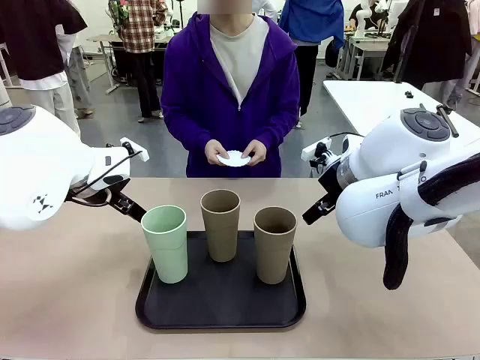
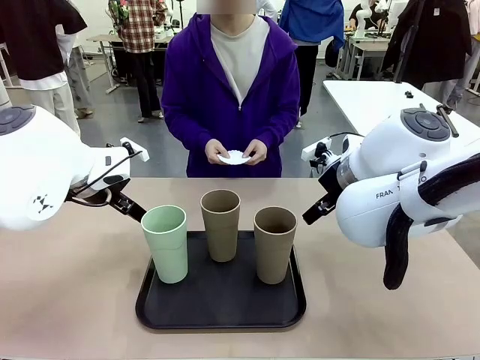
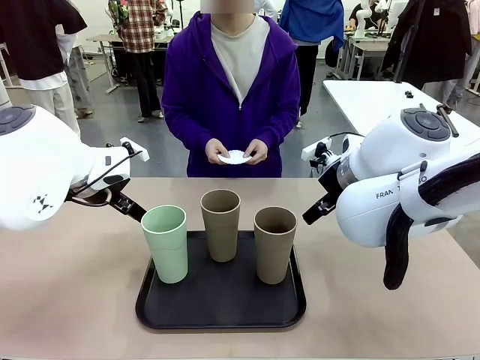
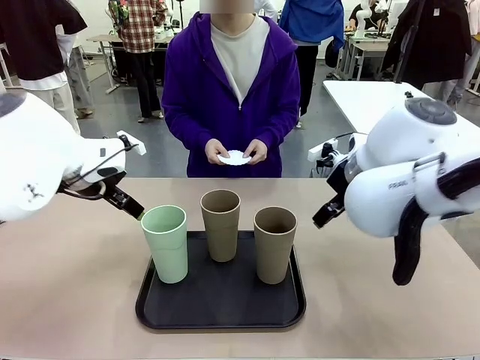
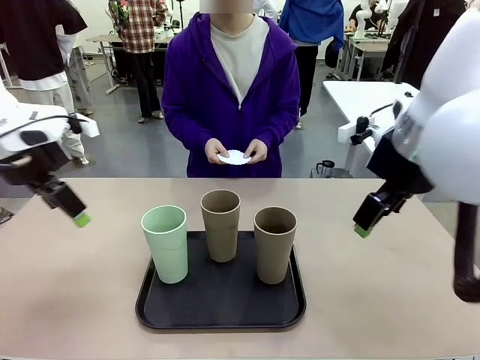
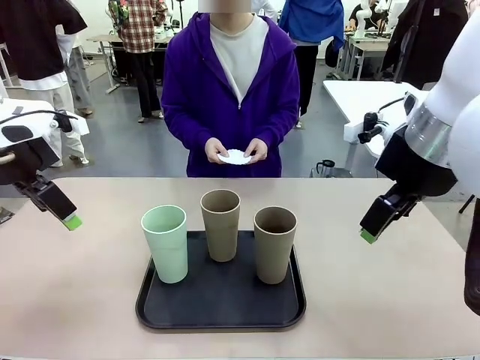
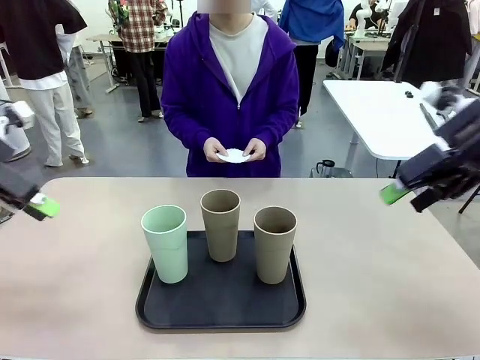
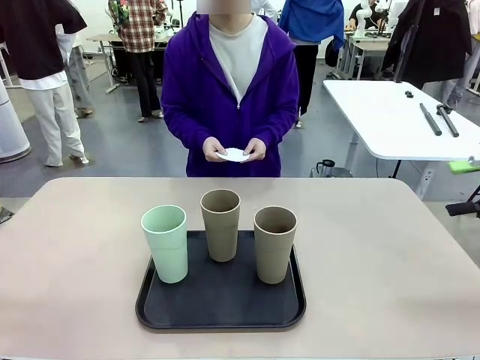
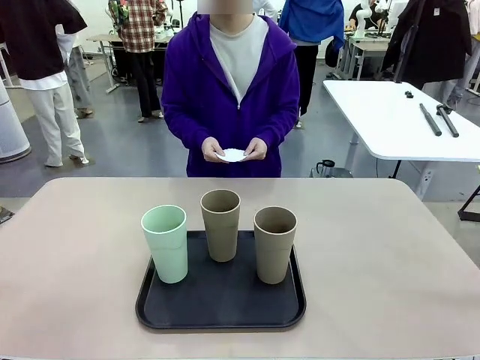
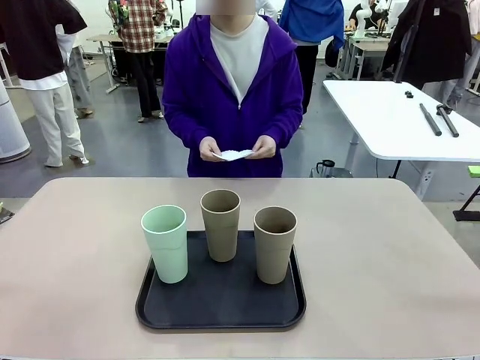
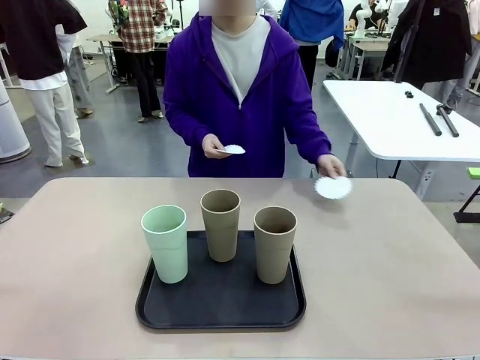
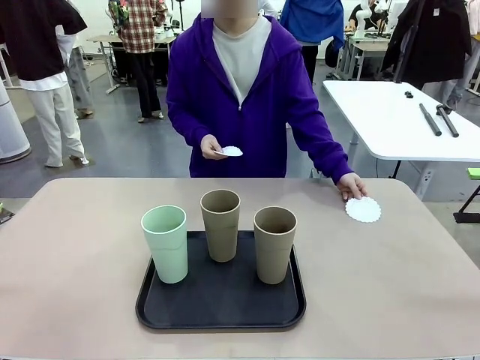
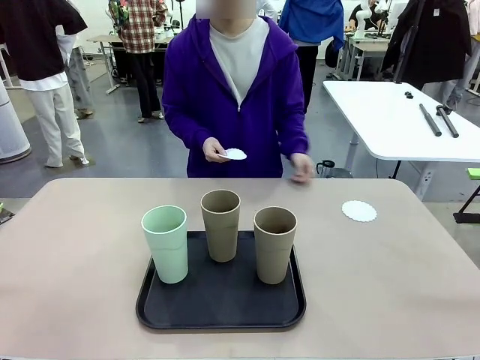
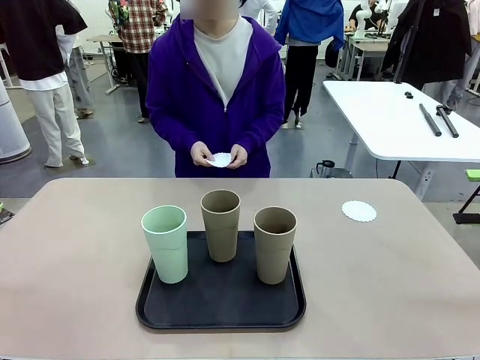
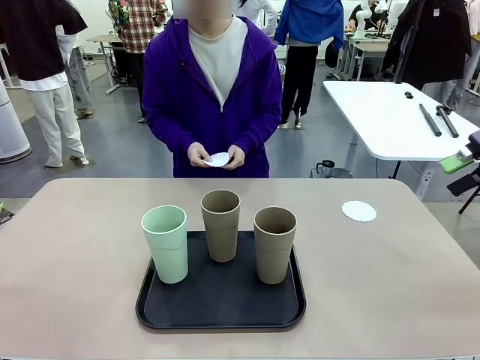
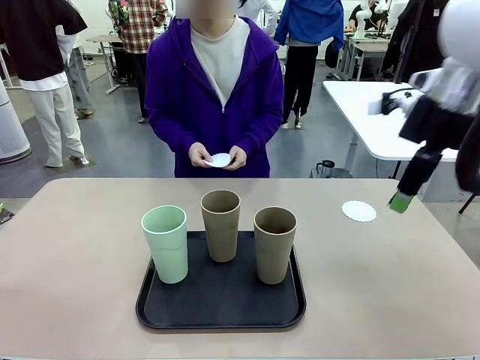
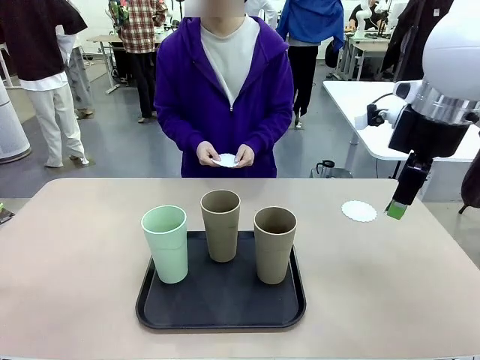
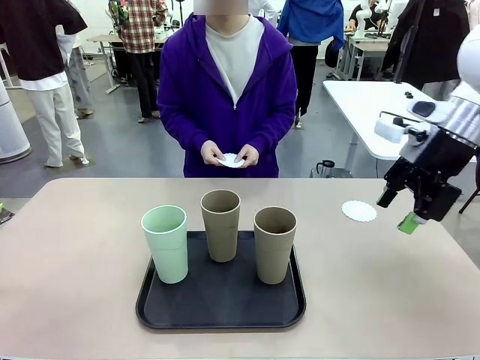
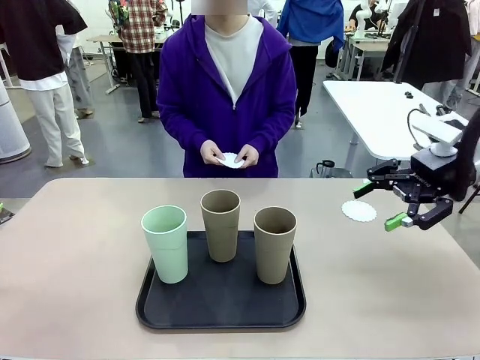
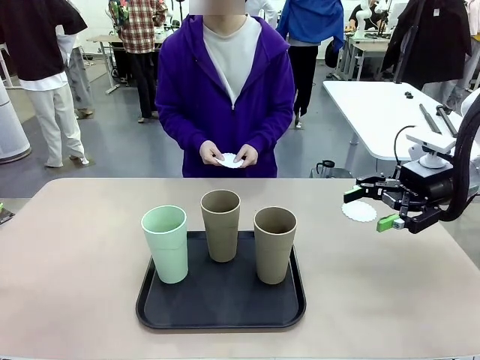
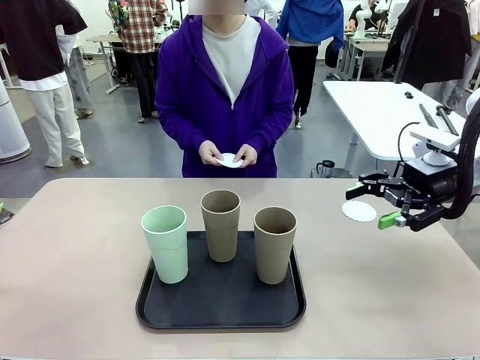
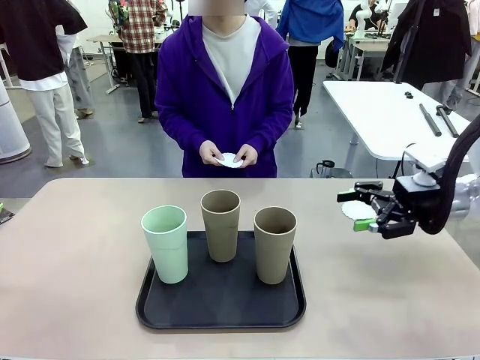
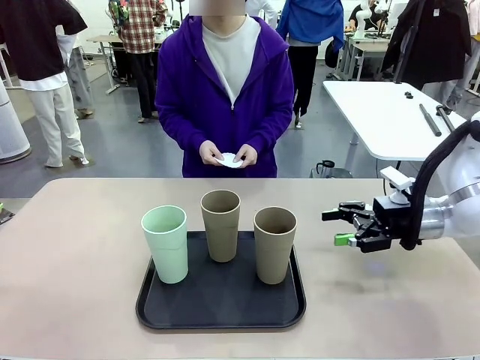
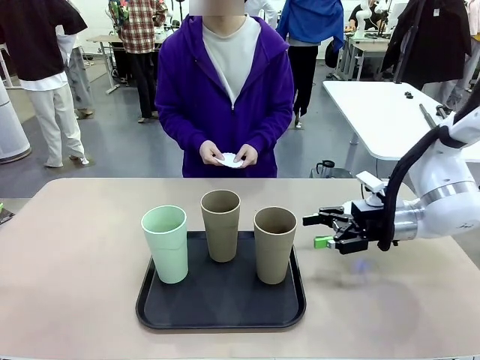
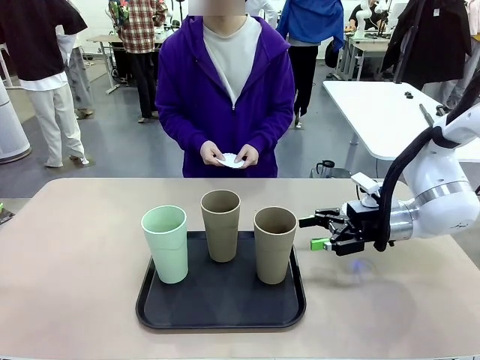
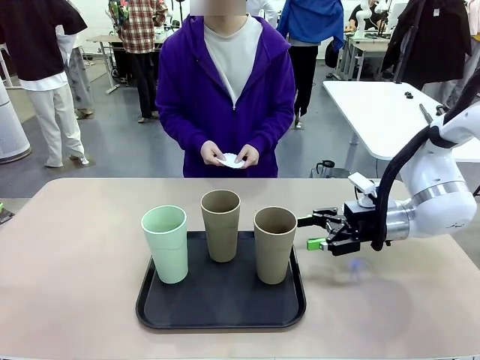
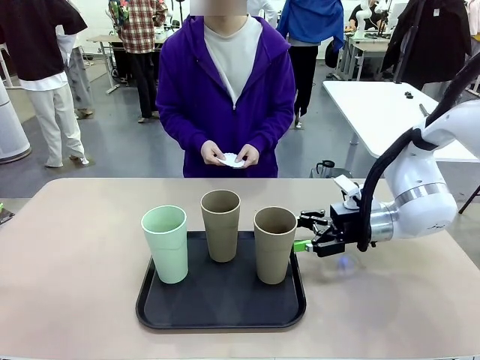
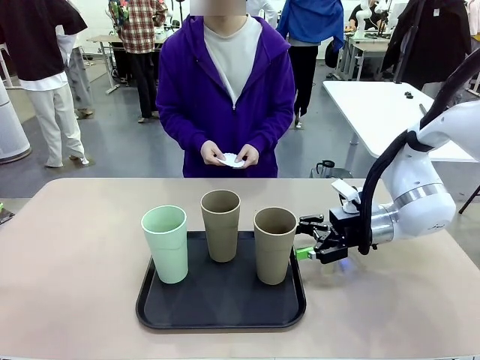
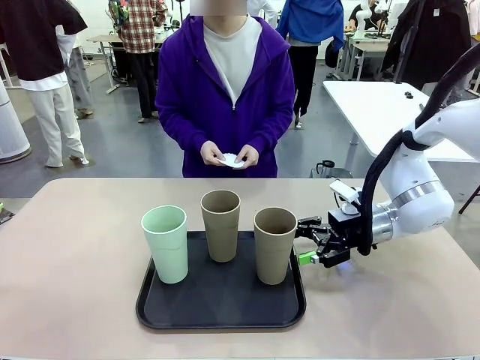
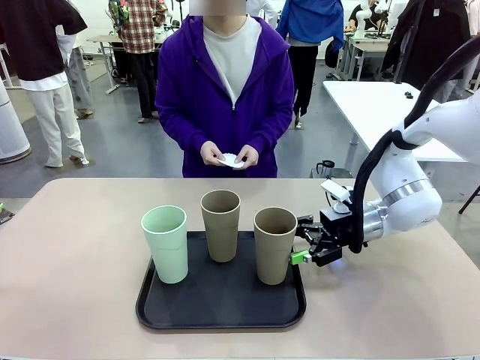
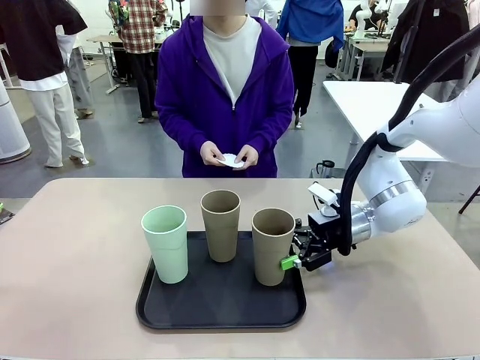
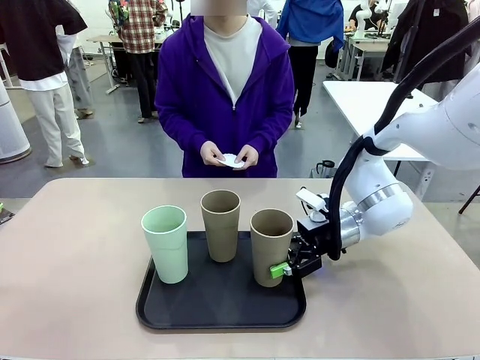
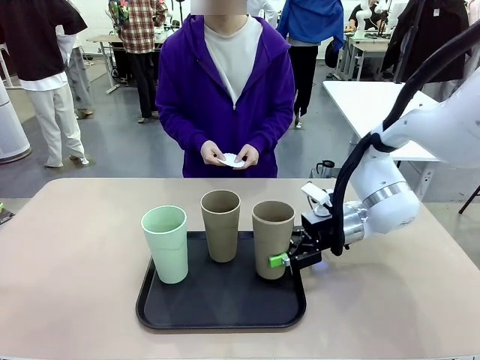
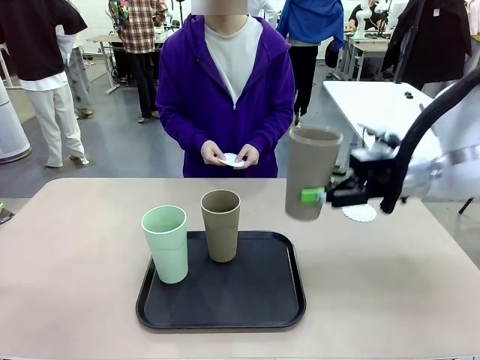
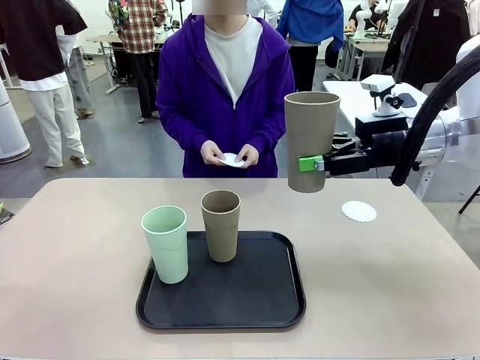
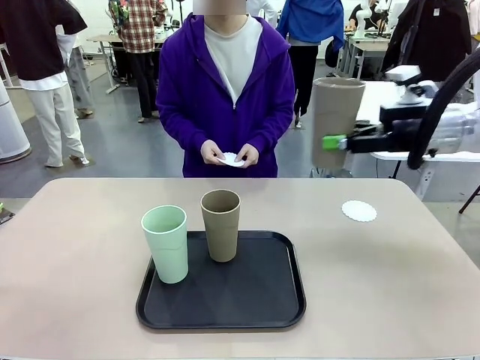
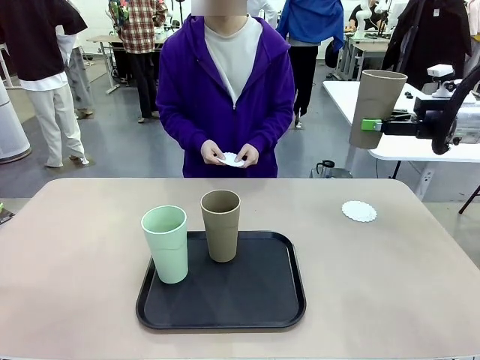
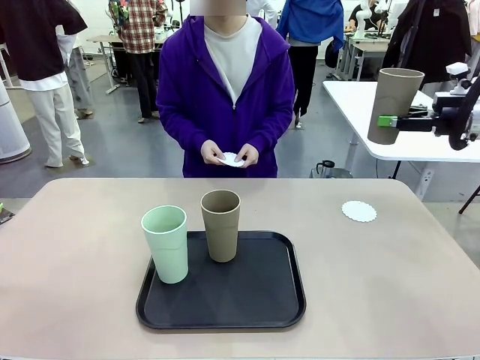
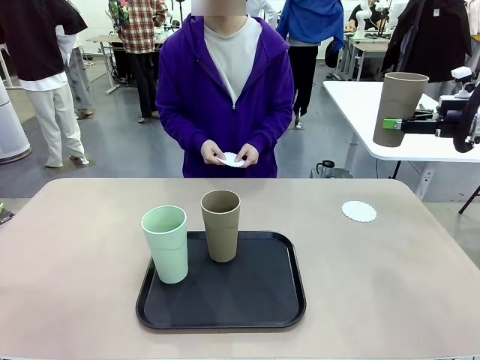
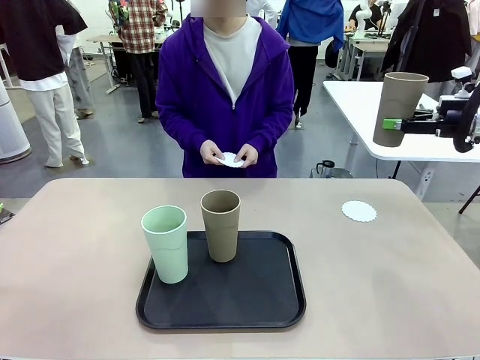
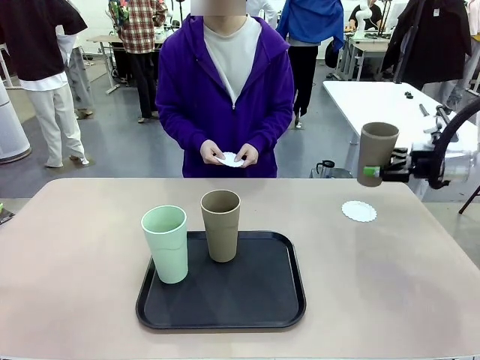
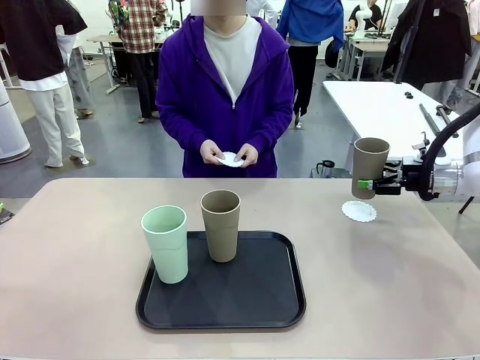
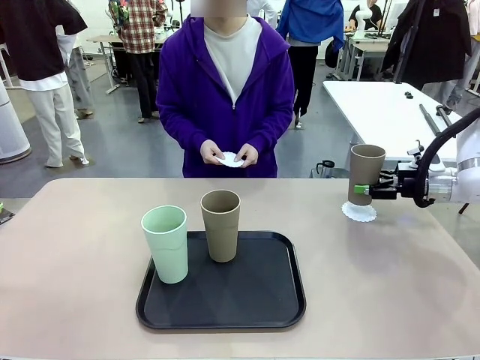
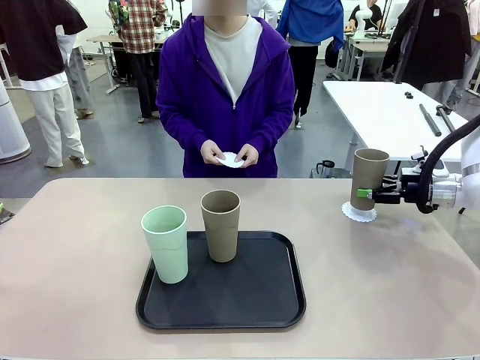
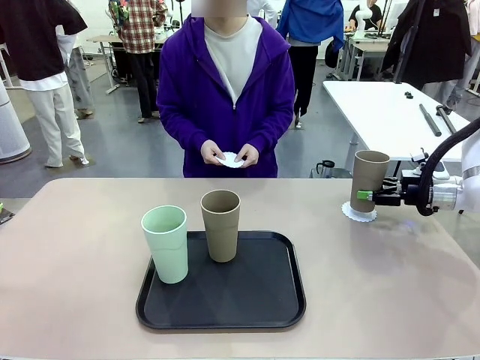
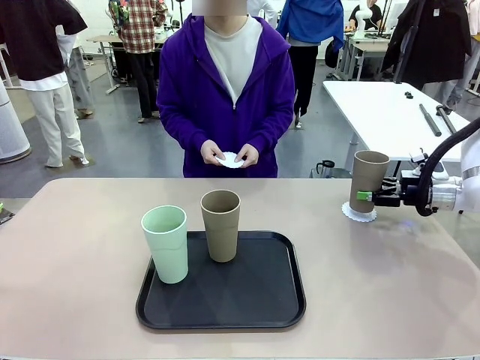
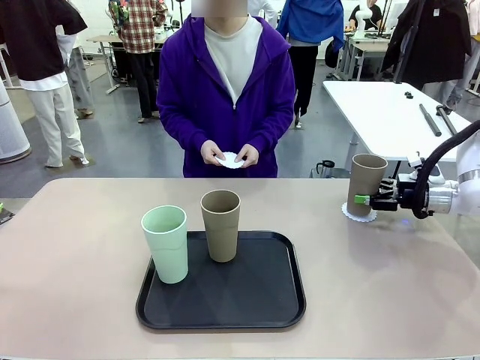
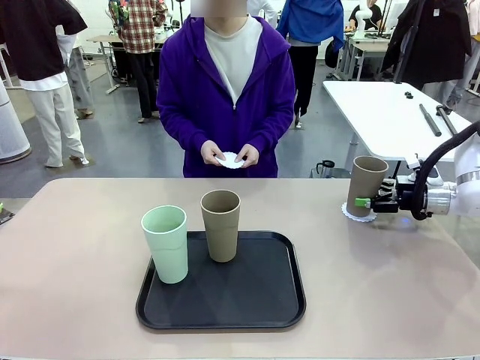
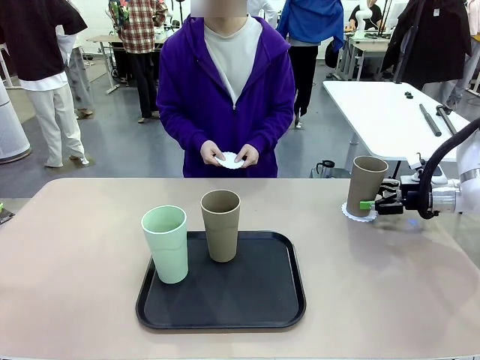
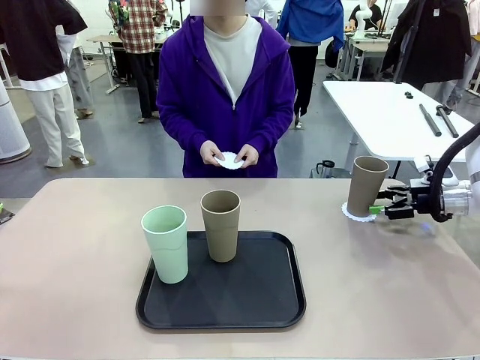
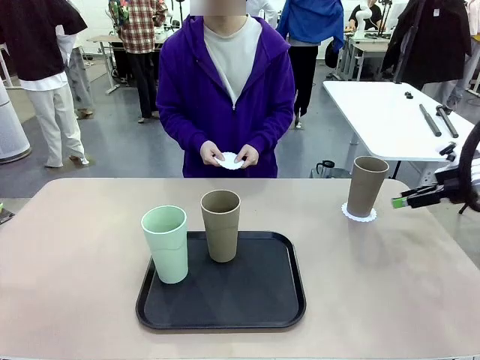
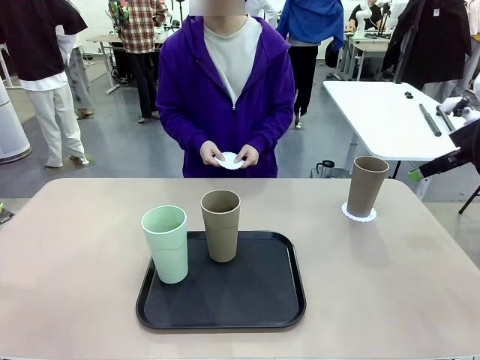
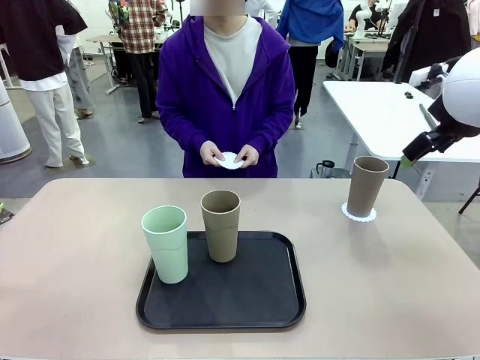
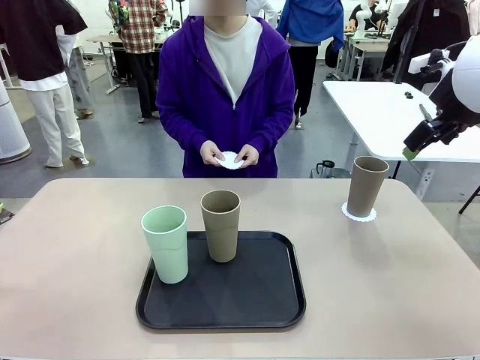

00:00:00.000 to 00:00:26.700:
Task: Place coasters on the table and set cups on them.
Robot: Pick up one Reusable plastic cup and place it on a coaster set by the human.
Person: Place one coaster in any one of the three lower areas of the robot table (left, center, or right). Place one coaster in one of the two areas excluding the previously selected area.
